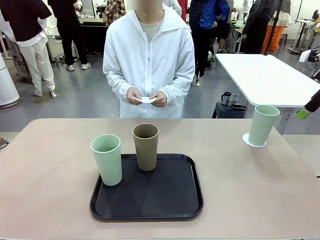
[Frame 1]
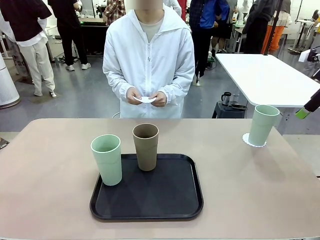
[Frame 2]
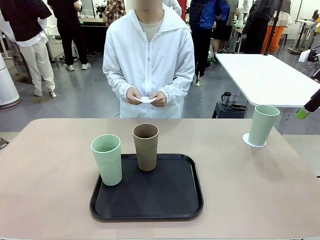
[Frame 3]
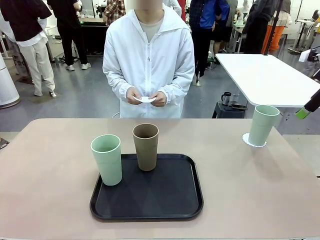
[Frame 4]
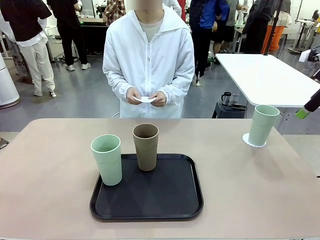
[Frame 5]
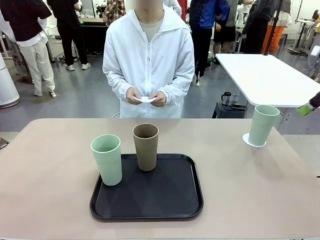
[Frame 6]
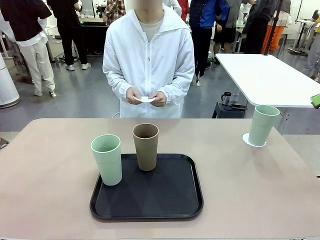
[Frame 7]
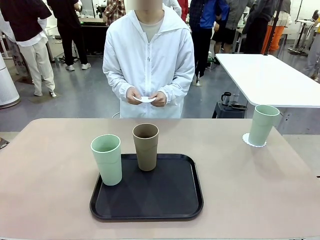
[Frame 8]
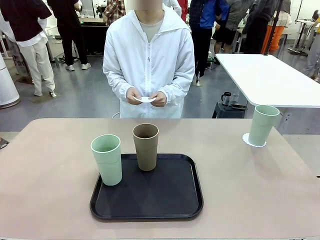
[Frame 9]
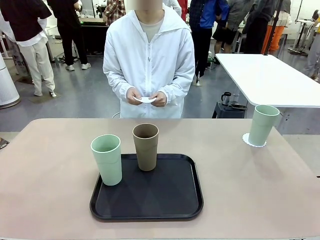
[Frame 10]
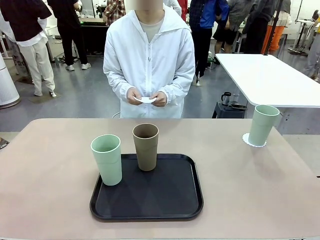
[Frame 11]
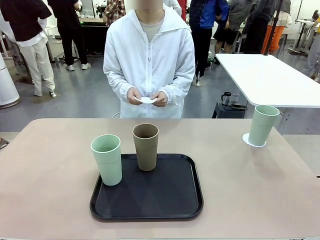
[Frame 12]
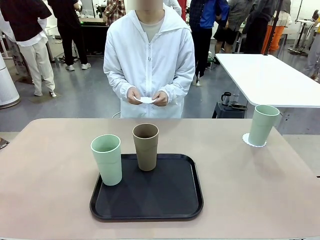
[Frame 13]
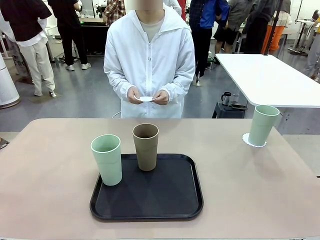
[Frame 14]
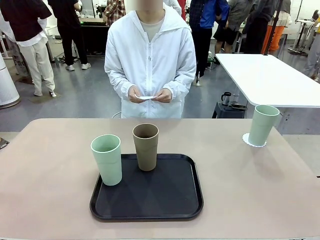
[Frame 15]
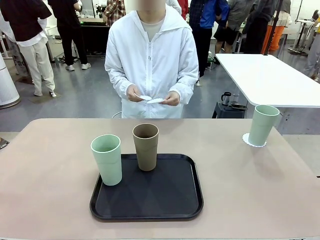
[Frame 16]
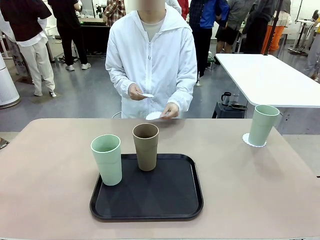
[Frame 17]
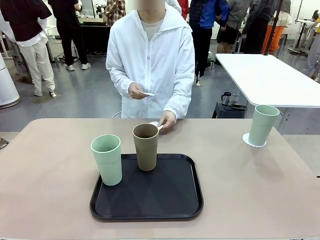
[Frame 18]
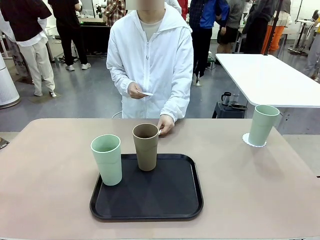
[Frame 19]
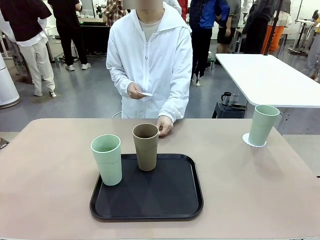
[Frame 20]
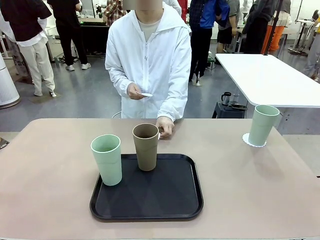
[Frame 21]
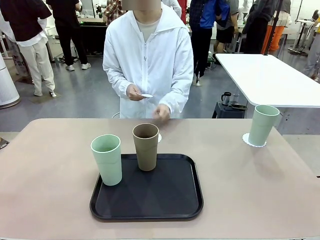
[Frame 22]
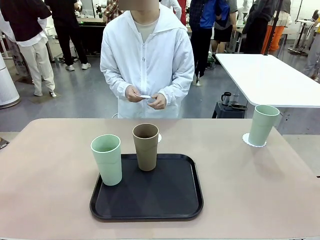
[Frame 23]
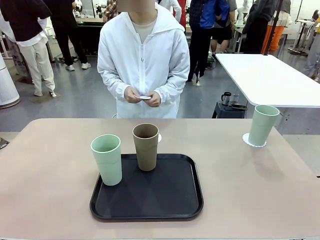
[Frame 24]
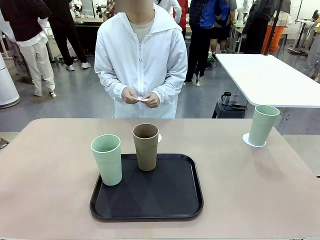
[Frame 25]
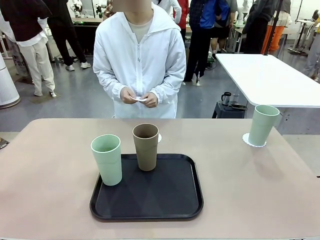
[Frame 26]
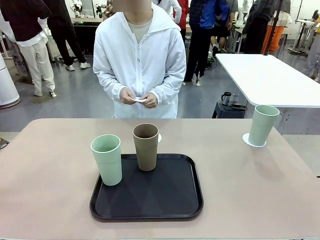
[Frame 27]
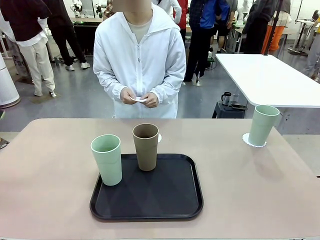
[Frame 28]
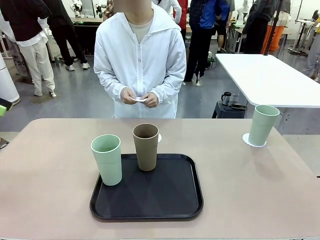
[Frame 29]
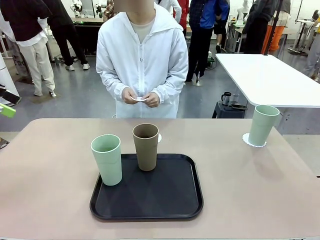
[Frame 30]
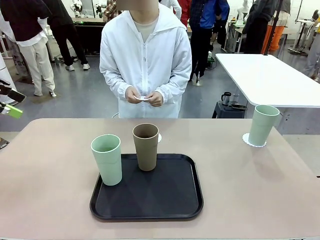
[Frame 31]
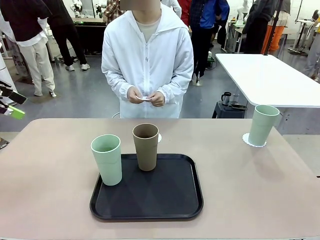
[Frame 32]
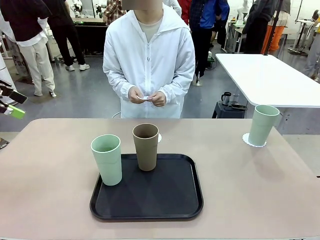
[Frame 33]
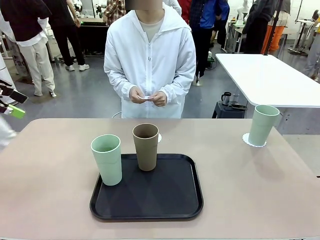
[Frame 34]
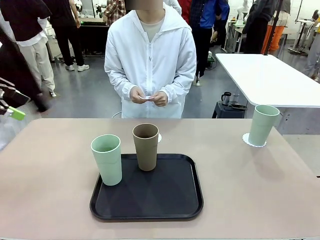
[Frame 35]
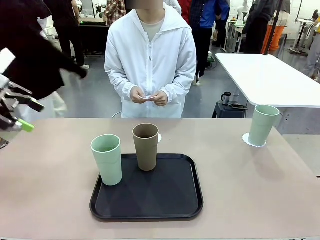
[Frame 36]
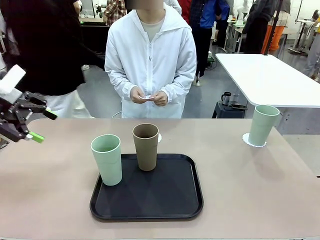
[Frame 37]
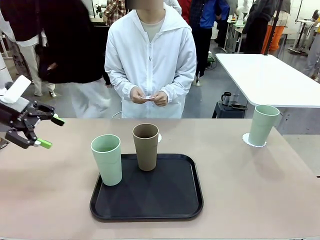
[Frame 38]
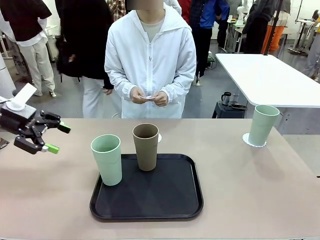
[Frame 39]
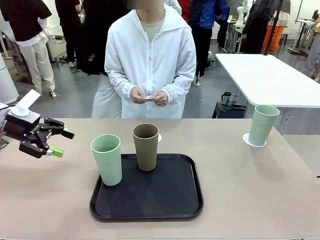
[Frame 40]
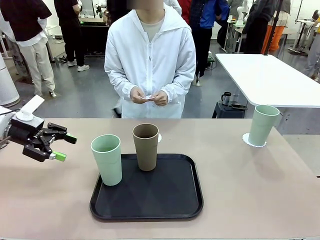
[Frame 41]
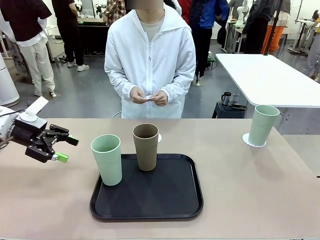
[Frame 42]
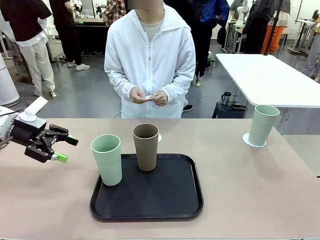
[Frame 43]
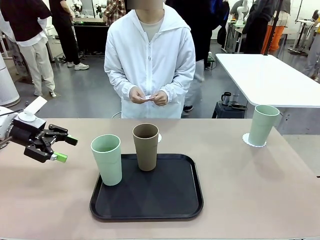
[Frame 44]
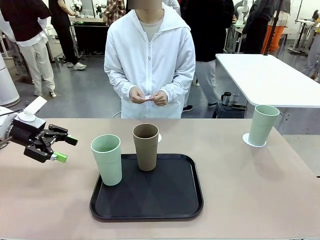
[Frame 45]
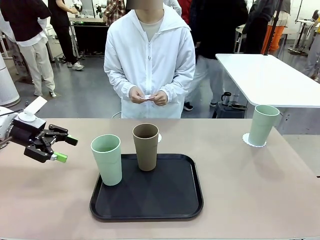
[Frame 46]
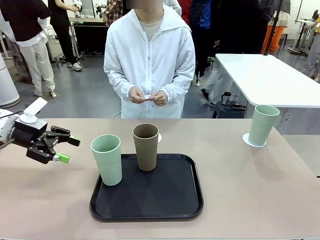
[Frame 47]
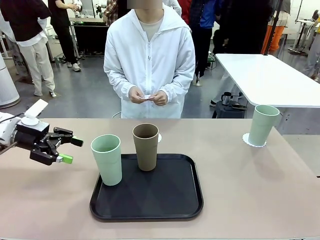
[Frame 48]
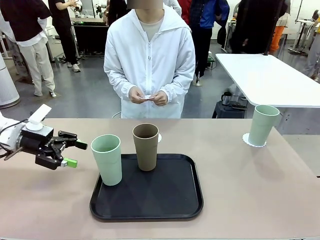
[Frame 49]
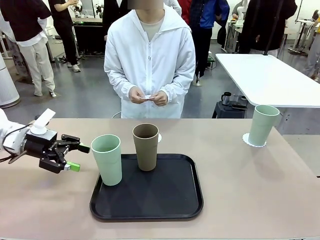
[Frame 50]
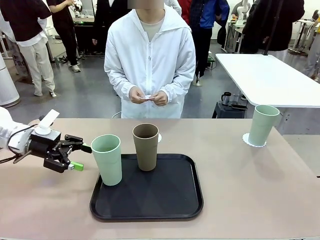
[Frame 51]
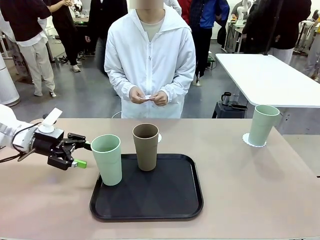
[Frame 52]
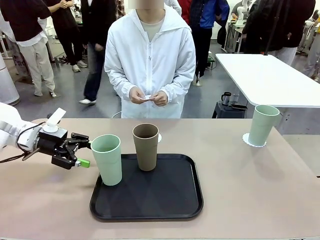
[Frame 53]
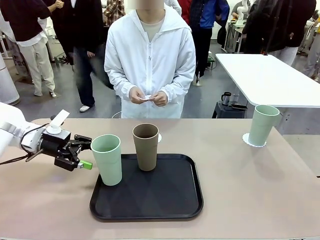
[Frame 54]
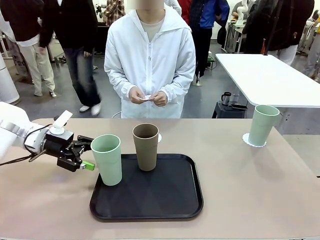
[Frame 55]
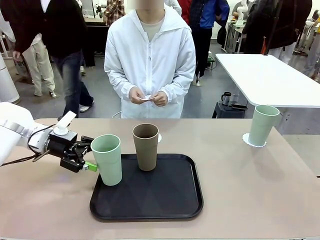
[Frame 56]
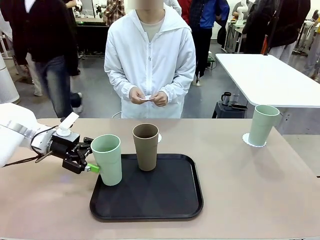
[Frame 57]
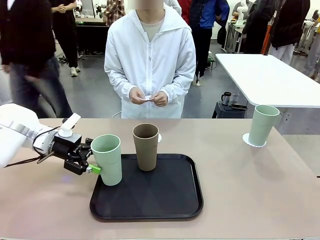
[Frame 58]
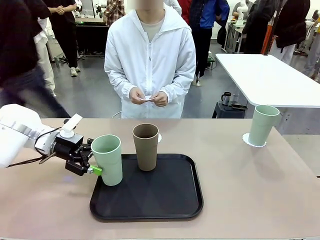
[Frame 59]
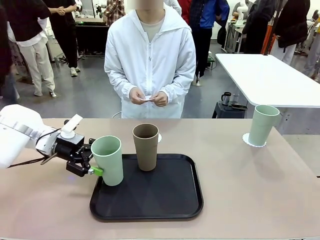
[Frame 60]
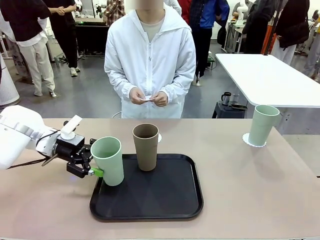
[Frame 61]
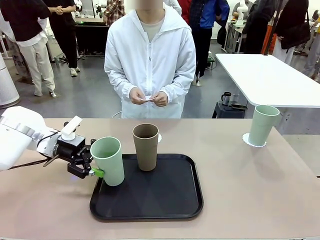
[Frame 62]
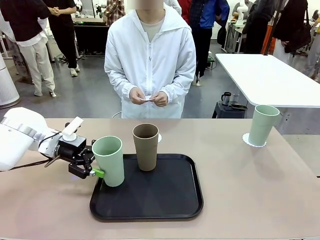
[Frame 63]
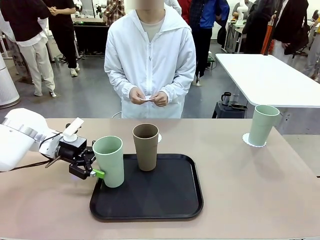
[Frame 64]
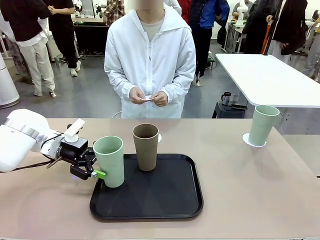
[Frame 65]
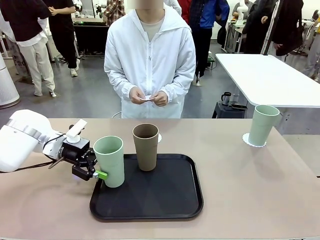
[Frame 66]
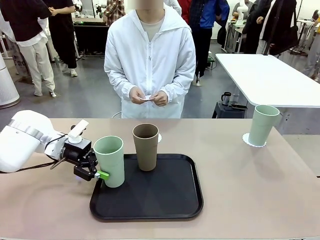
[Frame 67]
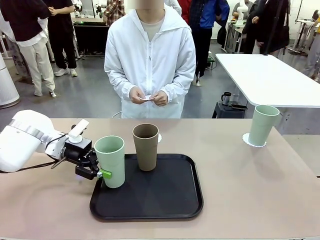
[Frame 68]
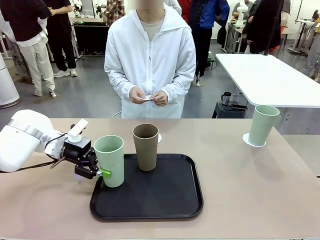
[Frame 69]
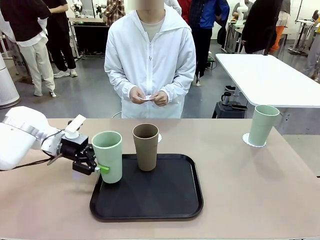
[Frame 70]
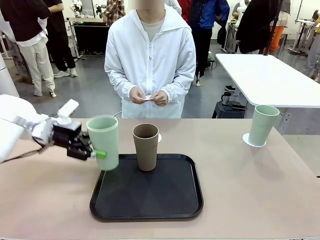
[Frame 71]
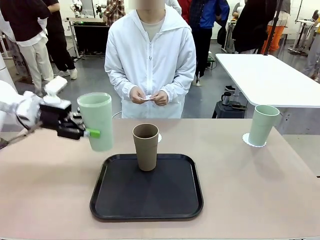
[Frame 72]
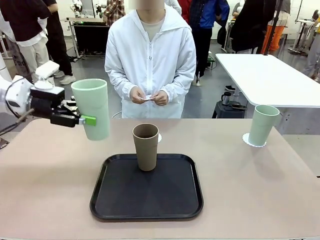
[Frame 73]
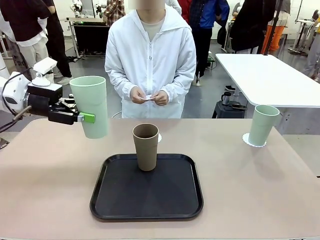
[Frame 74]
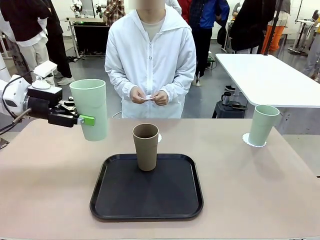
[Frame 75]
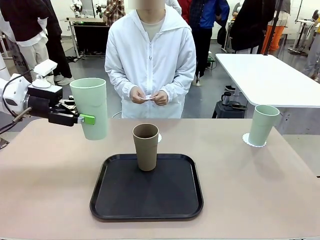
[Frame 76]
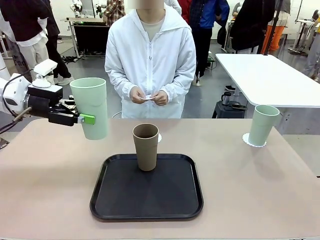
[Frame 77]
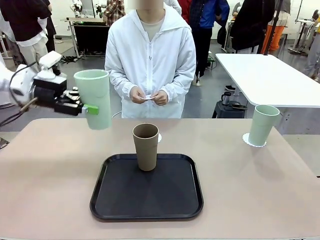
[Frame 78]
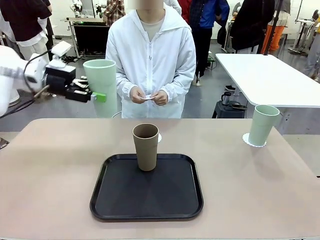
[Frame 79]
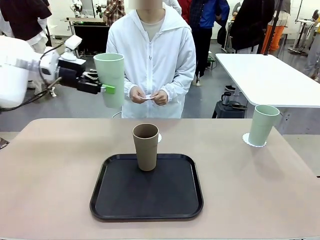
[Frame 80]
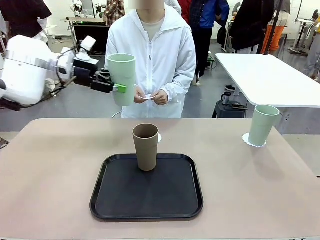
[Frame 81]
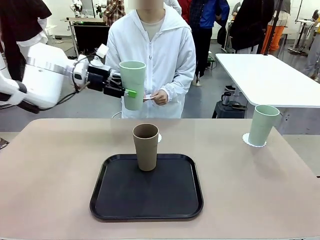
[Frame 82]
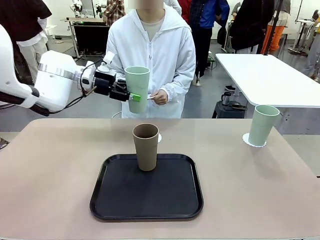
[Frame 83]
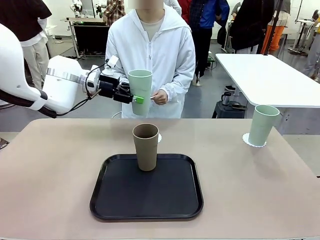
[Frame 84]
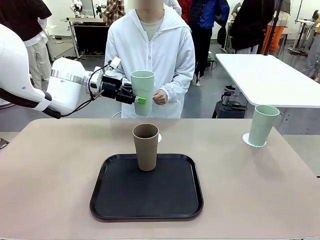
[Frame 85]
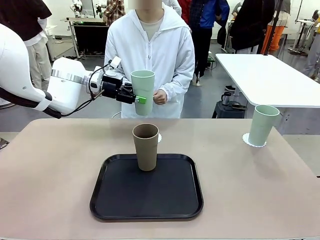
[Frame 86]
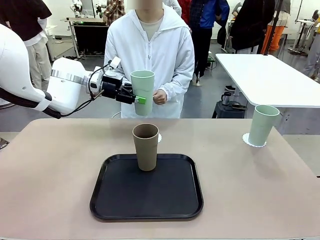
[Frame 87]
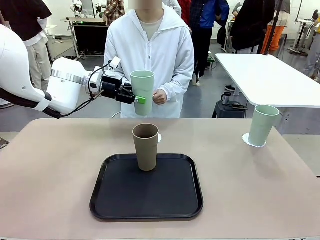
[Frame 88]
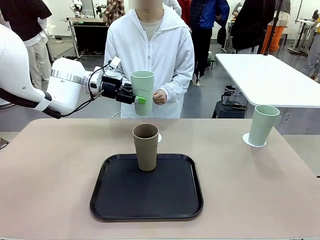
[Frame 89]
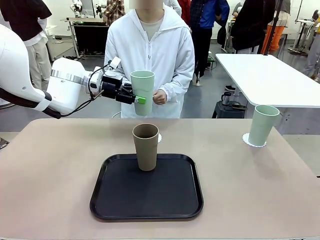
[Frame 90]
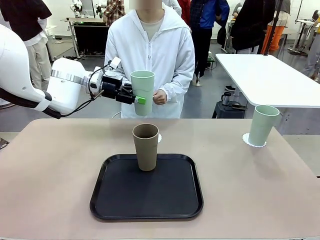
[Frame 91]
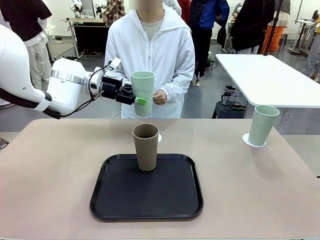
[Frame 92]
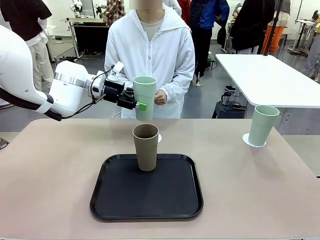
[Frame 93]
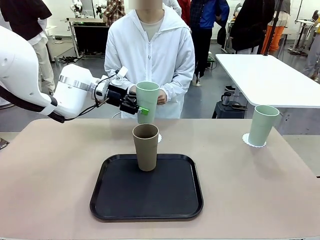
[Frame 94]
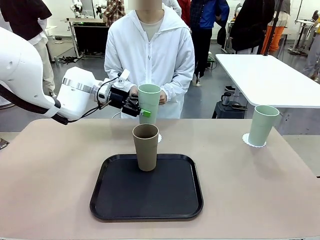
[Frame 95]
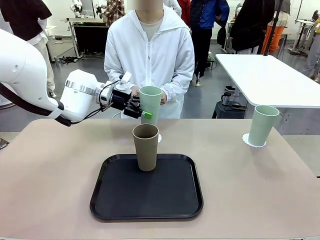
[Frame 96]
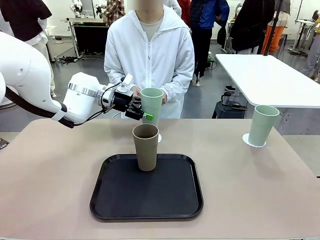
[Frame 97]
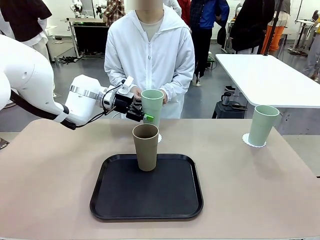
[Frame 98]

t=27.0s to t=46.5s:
Task: Place coasters on the table and set cups on them.
Robot: Take one Reusable plastic cup from the Flat Tray and place it on a coaster set by the human.
